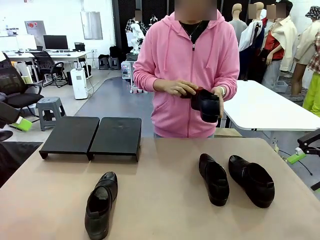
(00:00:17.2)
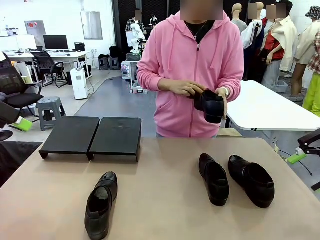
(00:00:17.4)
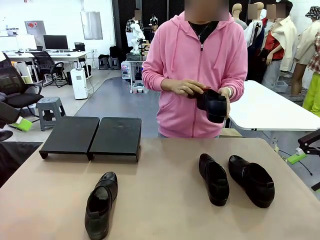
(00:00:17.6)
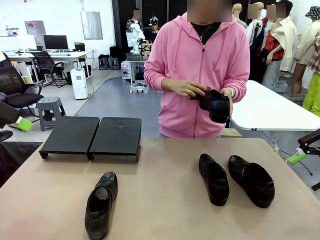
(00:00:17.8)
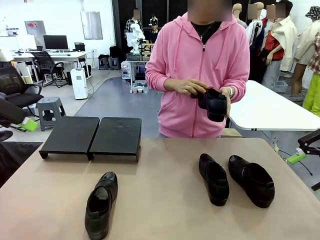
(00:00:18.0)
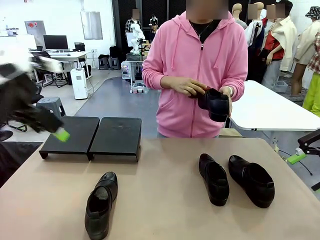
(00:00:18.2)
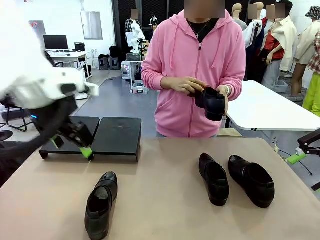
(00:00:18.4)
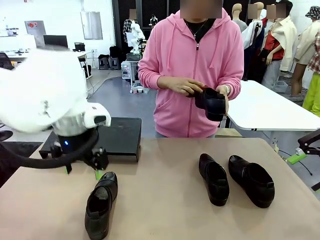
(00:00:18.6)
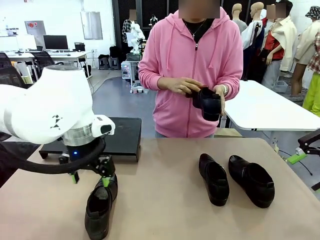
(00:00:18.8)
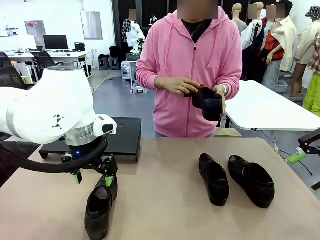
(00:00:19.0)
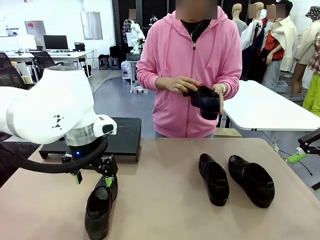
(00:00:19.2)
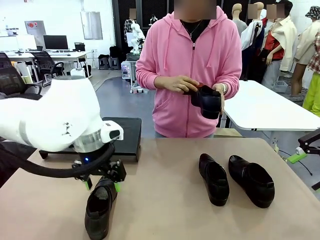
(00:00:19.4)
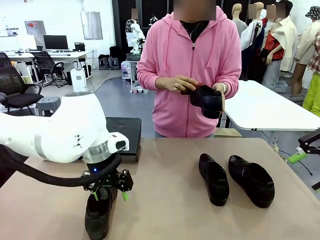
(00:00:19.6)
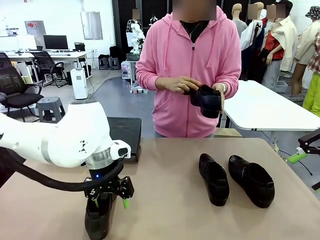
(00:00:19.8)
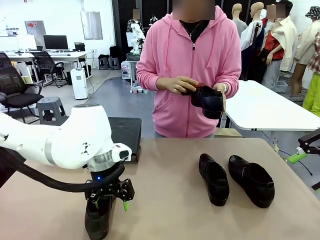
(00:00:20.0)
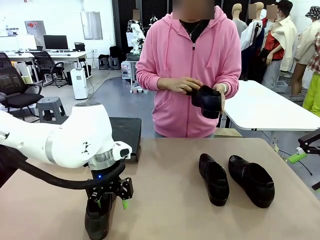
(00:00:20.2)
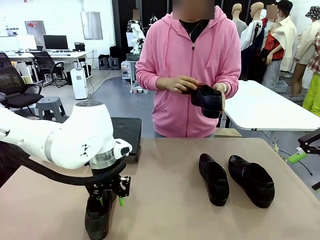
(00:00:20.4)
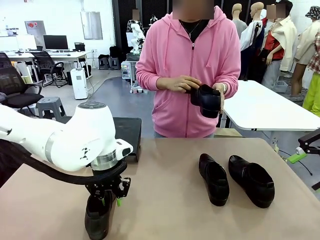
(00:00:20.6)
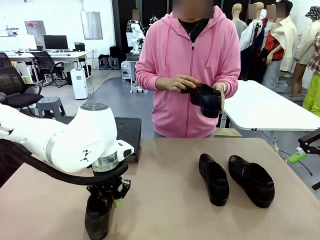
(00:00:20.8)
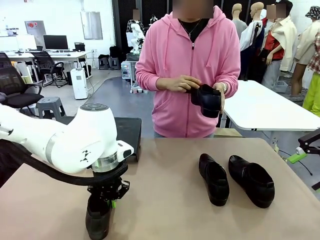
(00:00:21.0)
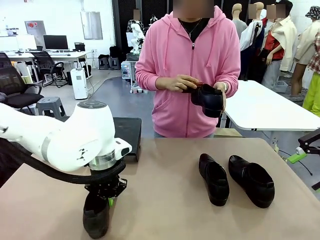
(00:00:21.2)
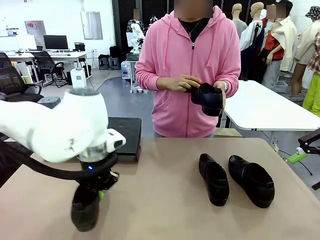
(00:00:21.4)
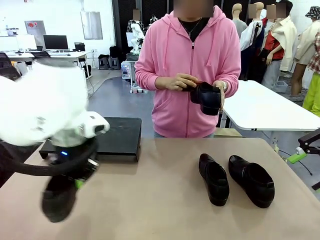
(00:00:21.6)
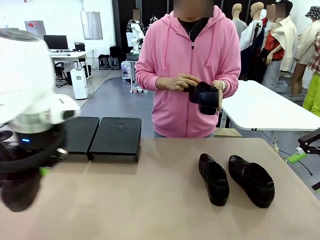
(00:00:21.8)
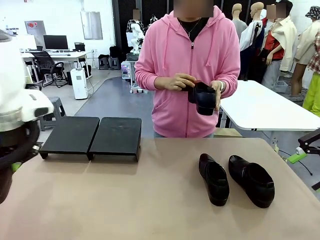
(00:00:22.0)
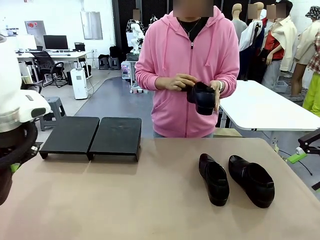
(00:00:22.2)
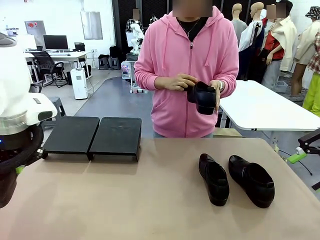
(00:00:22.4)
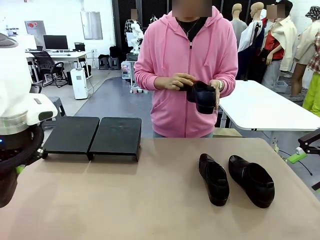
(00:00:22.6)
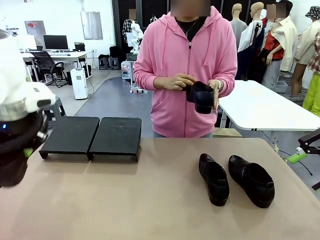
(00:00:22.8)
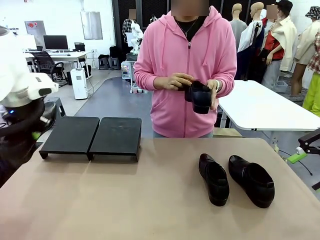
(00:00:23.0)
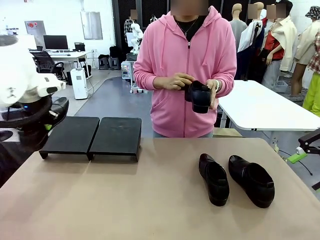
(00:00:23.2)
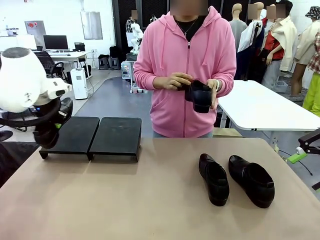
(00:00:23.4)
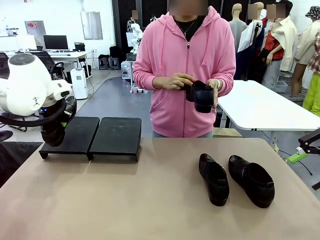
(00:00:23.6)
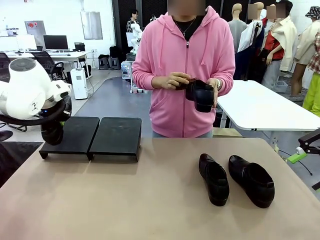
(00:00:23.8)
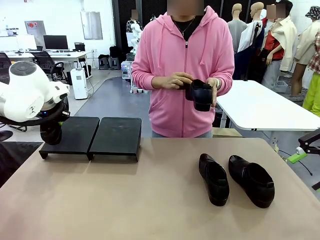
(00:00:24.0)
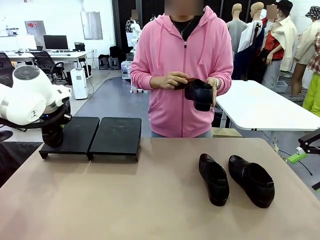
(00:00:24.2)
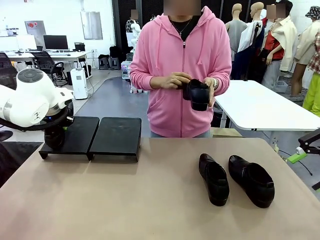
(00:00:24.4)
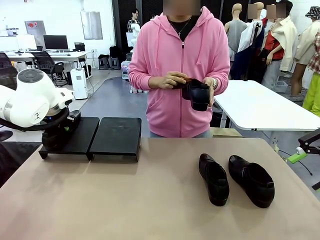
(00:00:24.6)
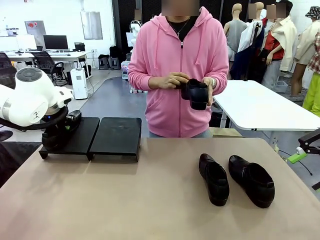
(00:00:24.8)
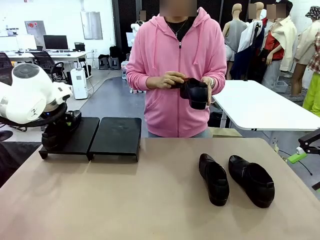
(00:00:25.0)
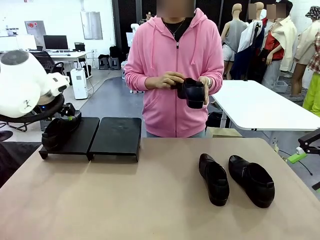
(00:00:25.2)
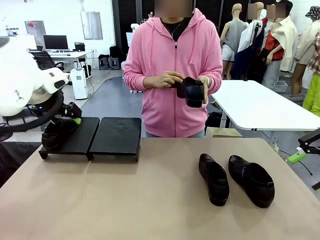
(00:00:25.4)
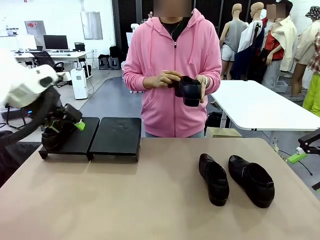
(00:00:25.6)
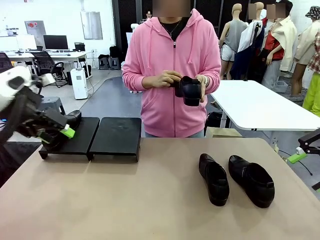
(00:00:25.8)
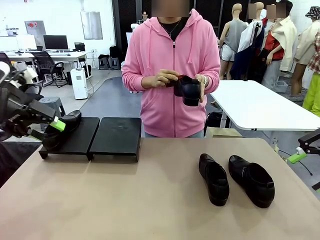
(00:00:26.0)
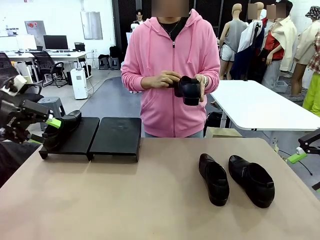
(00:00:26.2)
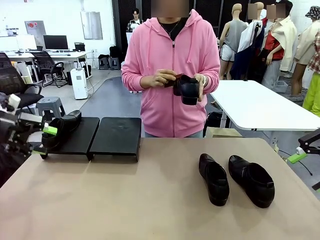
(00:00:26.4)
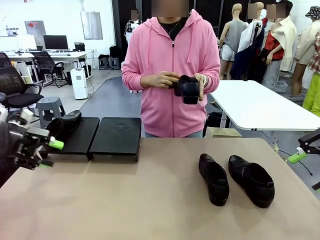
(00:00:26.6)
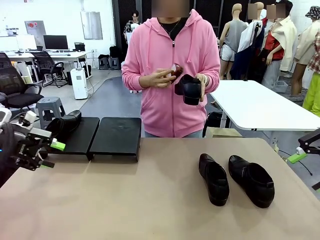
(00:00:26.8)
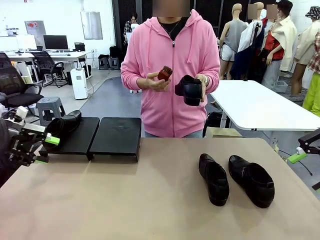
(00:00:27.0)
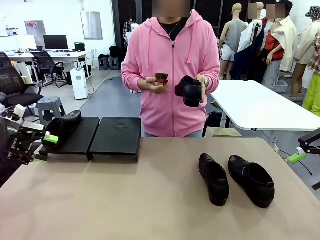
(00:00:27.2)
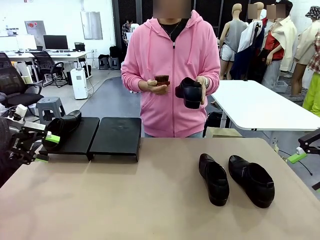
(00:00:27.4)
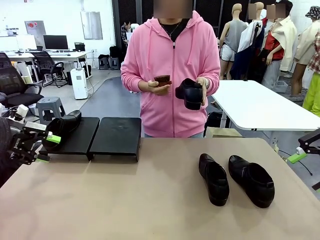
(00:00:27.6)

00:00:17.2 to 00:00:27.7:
Task: Organize the shoes by placing them on the stand.
Robot: Place the Shoe from the middle of the table onto the Shoes Stand.
Person: Clean the Shoe with the Shoe Brush.

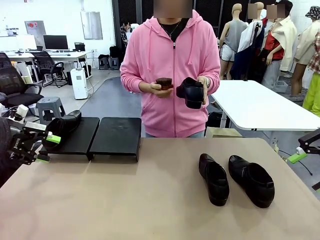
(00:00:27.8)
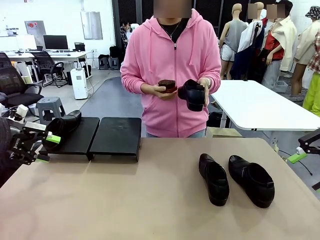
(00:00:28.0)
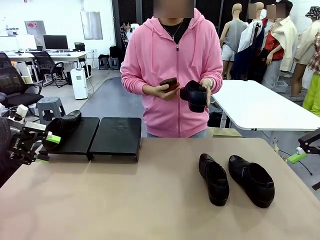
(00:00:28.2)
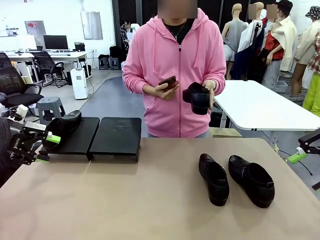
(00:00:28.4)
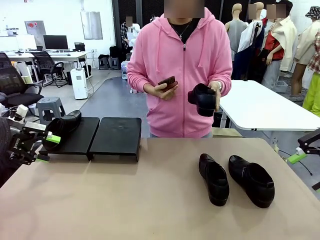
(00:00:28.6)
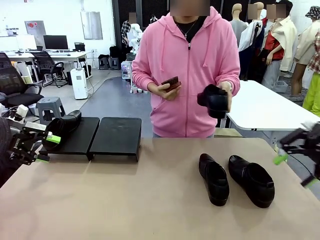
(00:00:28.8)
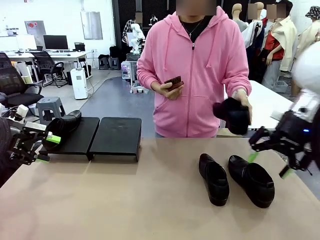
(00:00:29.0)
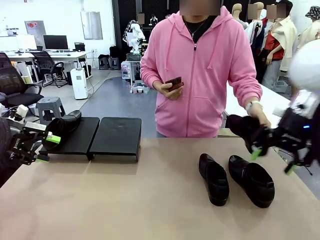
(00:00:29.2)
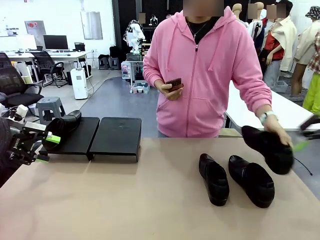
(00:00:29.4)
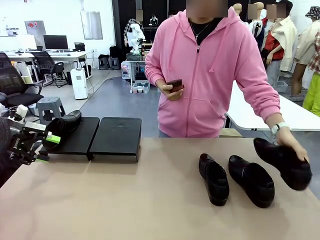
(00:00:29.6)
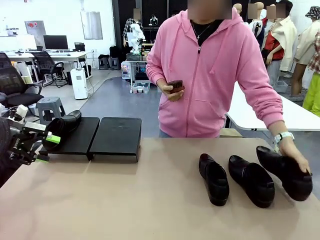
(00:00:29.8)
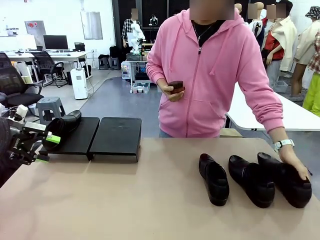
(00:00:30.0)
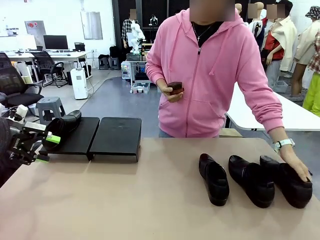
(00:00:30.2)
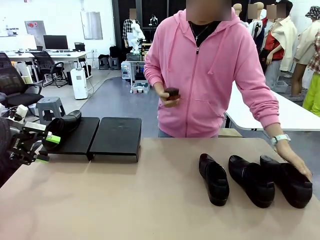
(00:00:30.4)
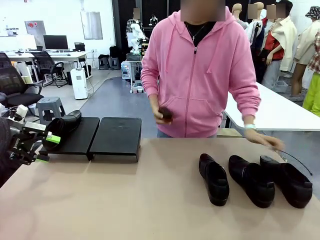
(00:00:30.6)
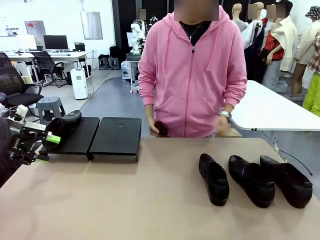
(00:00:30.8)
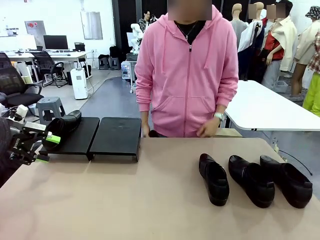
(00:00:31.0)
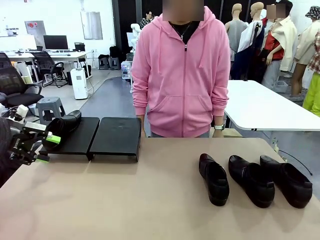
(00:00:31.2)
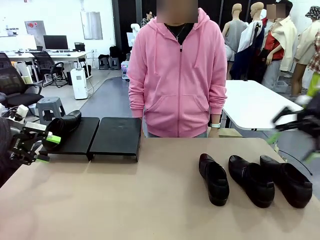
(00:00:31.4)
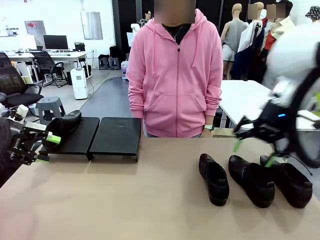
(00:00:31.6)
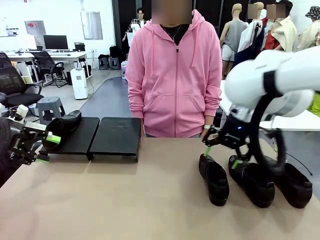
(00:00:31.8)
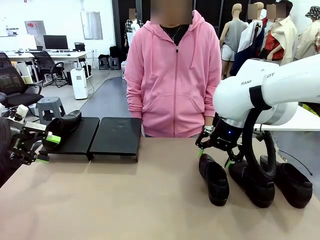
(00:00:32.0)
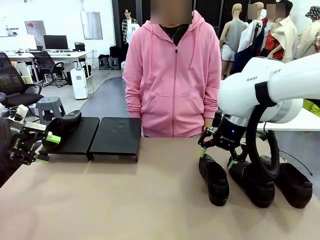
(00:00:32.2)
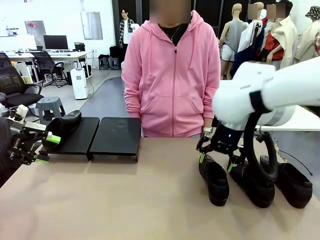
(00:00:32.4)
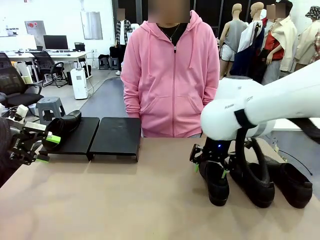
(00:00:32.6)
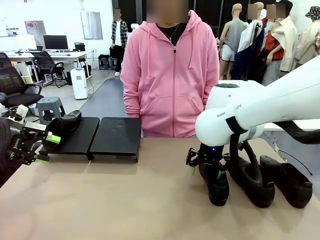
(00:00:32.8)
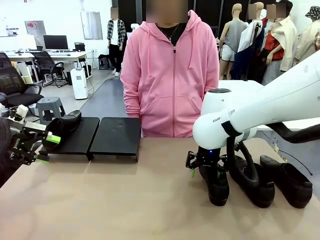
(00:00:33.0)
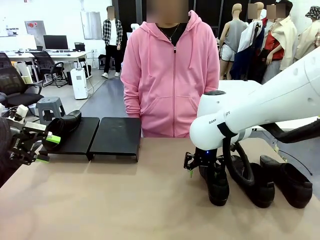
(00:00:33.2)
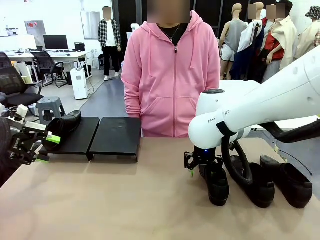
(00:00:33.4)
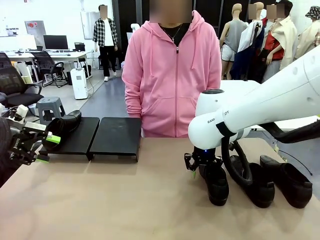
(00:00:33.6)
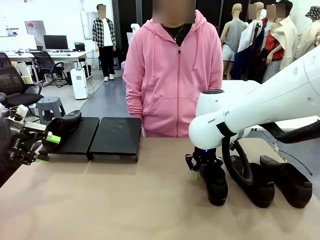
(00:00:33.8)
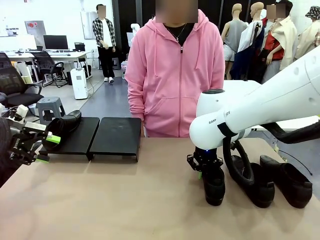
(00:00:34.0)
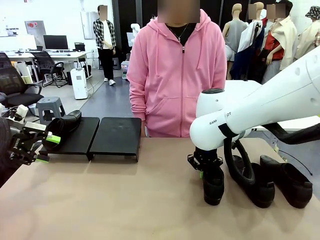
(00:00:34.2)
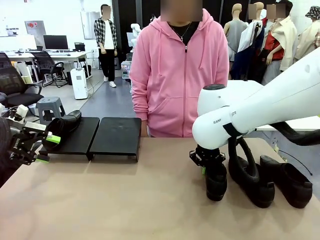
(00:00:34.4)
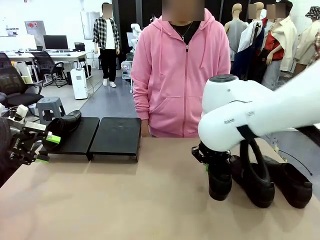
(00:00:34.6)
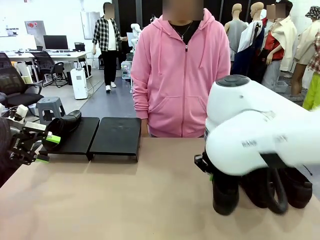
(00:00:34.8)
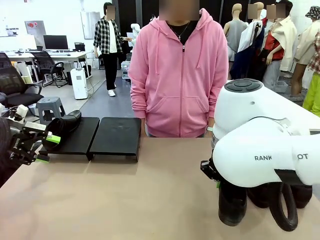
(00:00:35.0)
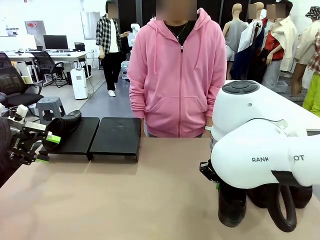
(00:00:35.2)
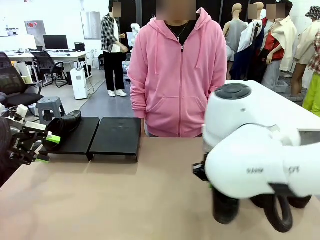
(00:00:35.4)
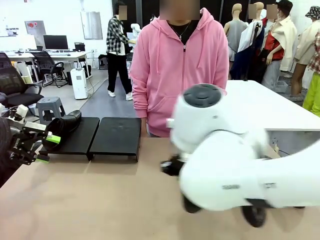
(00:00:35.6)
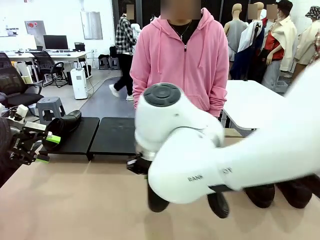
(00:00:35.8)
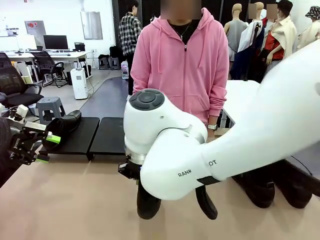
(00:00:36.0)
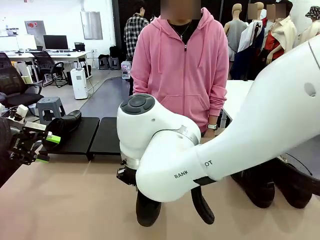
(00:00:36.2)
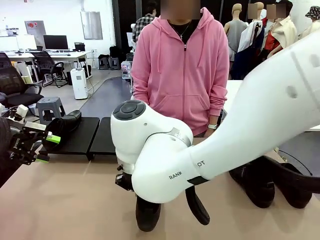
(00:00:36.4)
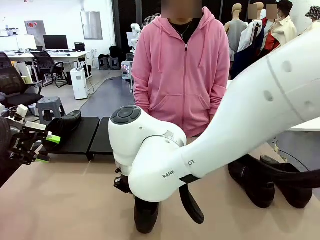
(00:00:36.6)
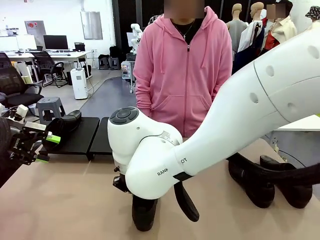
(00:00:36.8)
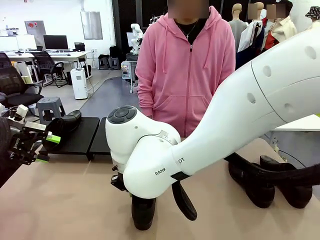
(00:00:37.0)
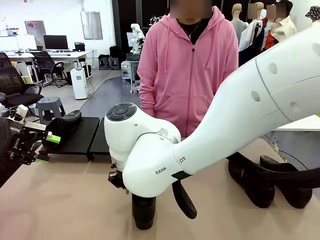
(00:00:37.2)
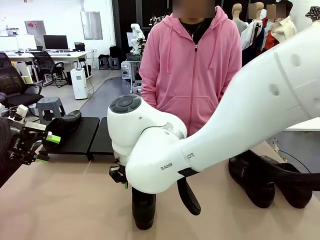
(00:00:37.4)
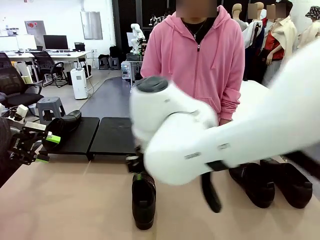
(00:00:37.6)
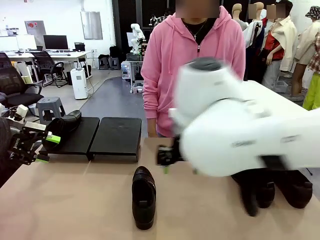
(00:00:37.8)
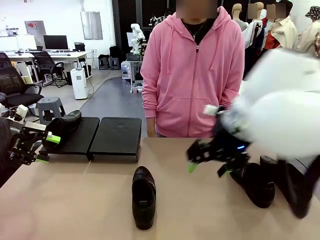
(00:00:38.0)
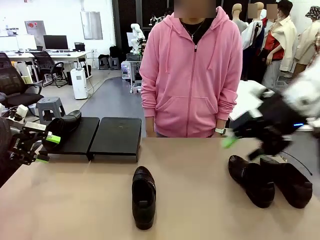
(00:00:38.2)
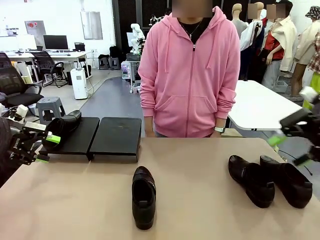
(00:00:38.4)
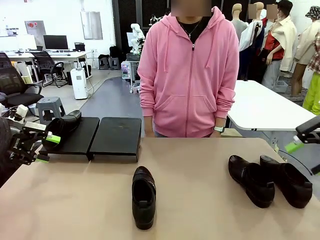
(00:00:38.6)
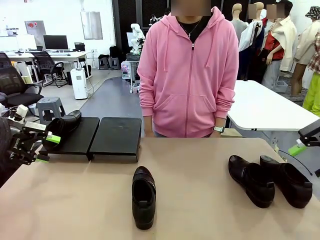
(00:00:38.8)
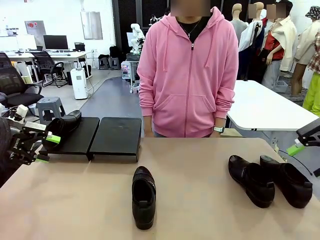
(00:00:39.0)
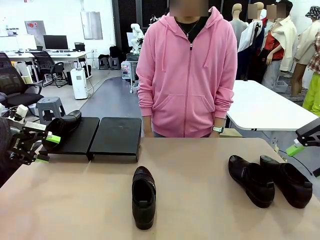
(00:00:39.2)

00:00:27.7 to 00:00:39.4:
Robot: Pick up one Shoe and place it in the middle of the table.
